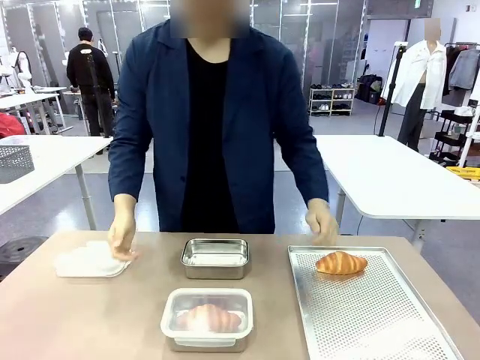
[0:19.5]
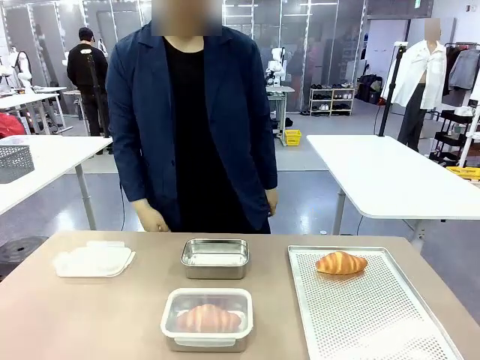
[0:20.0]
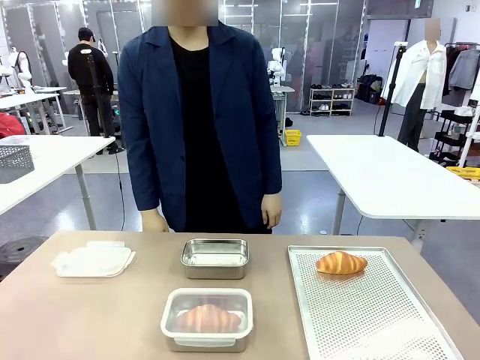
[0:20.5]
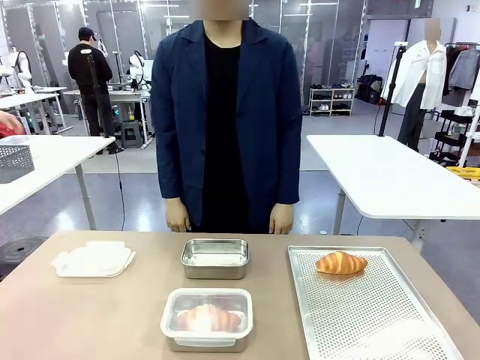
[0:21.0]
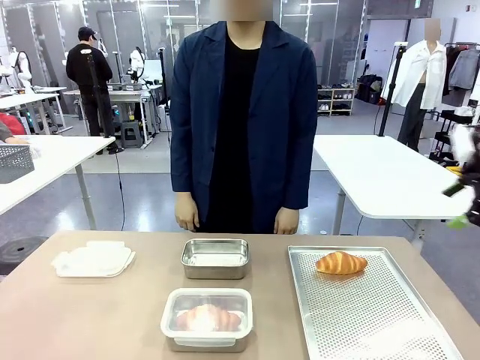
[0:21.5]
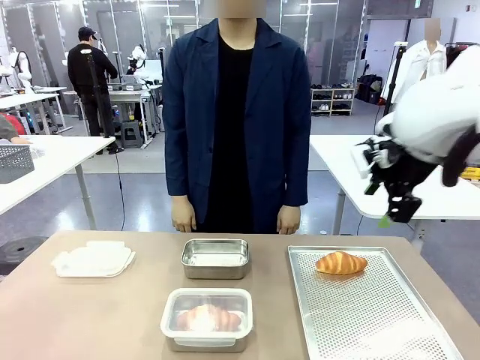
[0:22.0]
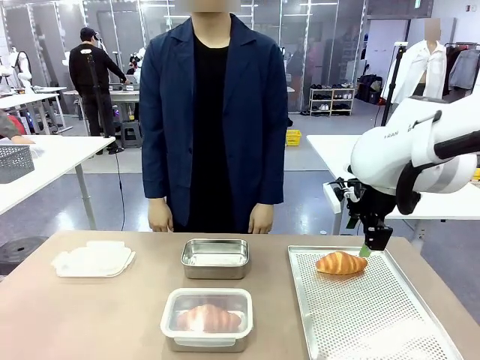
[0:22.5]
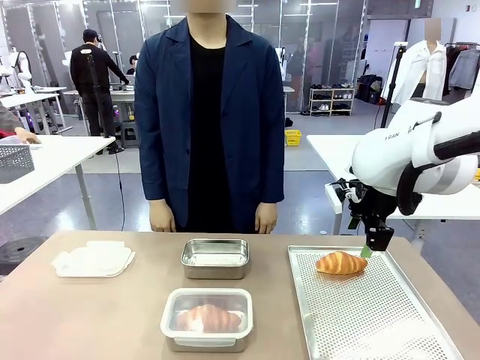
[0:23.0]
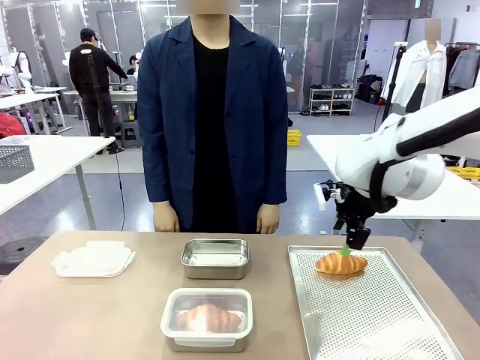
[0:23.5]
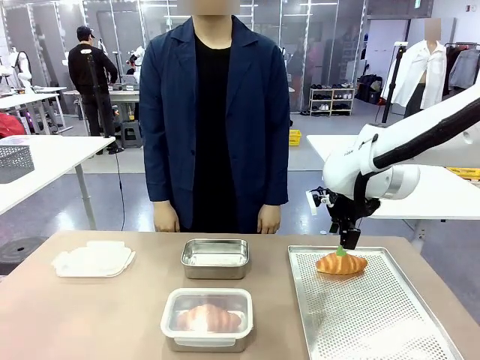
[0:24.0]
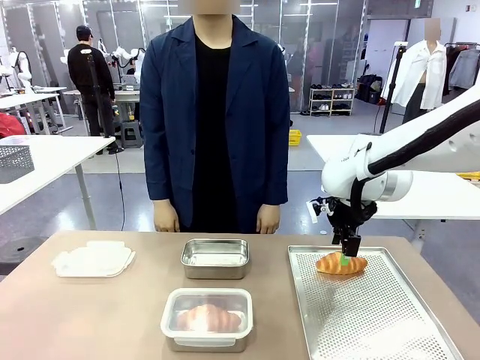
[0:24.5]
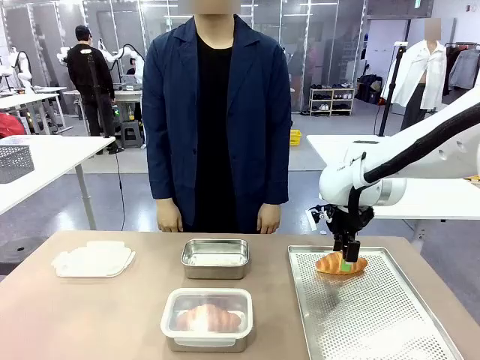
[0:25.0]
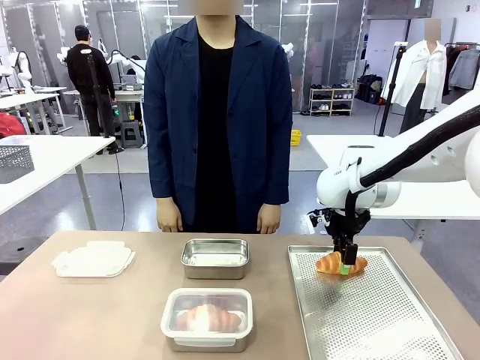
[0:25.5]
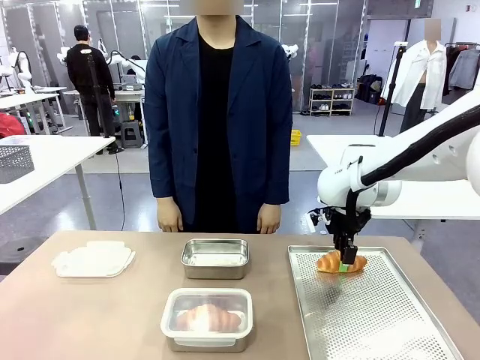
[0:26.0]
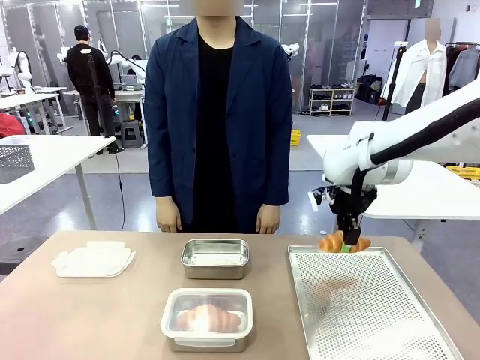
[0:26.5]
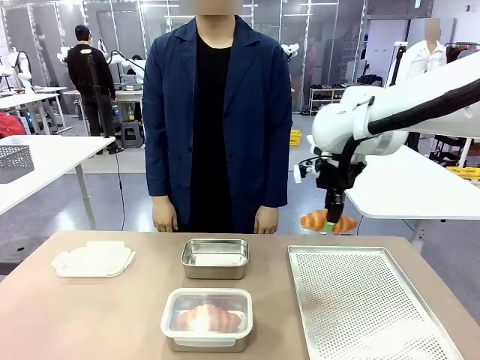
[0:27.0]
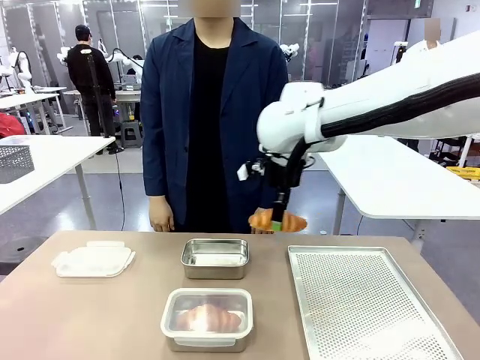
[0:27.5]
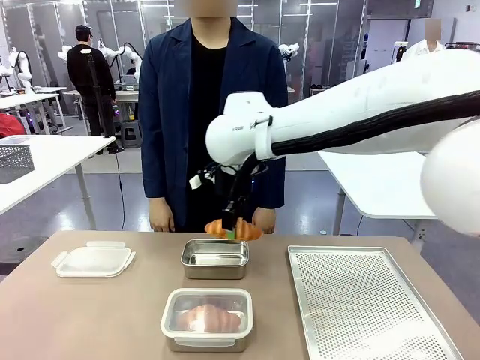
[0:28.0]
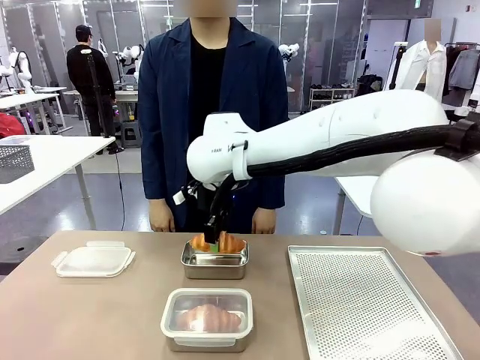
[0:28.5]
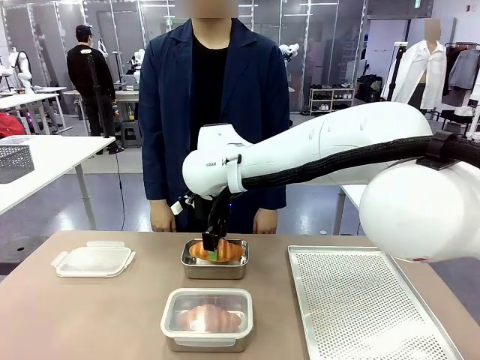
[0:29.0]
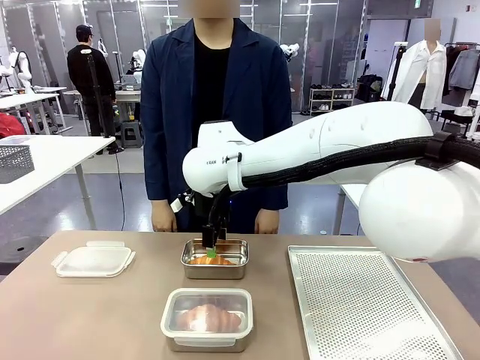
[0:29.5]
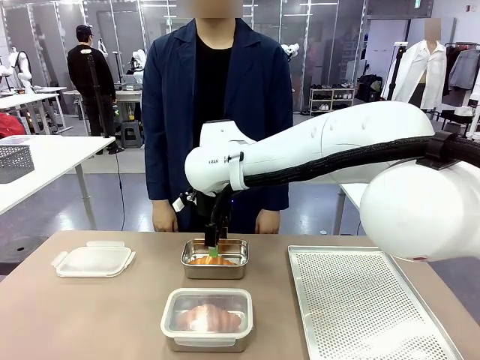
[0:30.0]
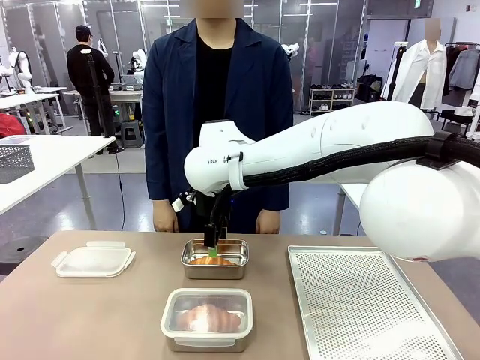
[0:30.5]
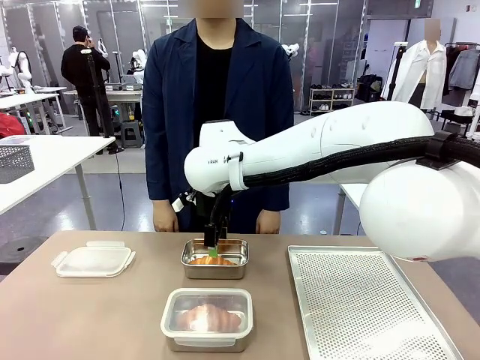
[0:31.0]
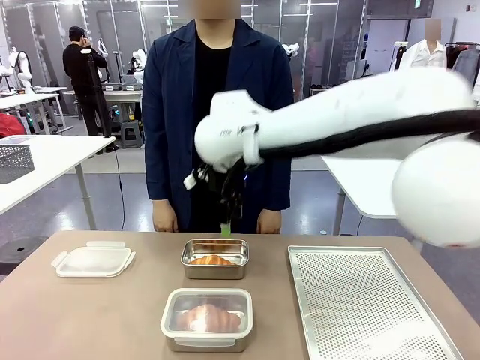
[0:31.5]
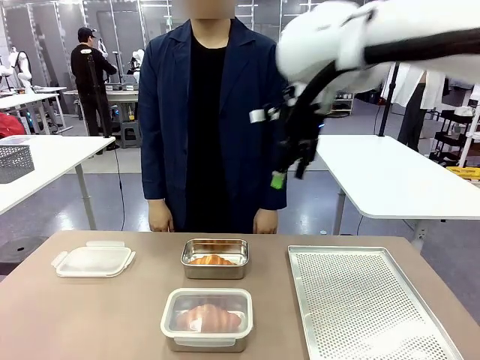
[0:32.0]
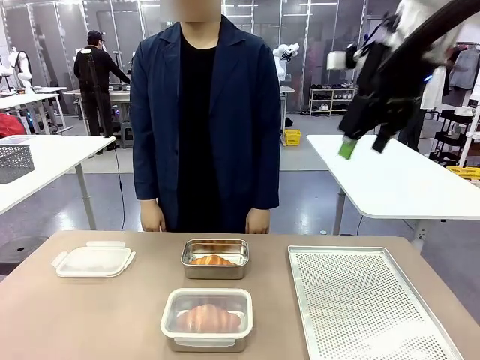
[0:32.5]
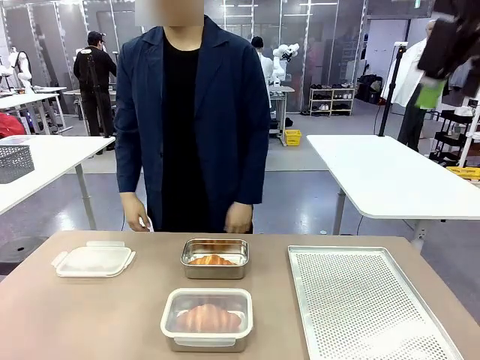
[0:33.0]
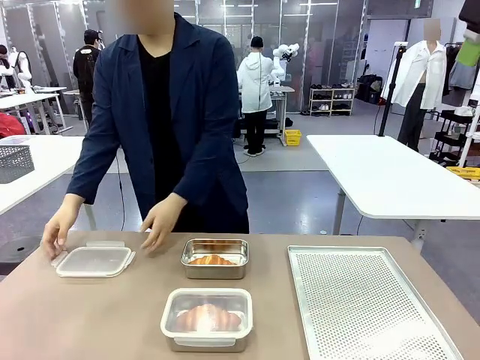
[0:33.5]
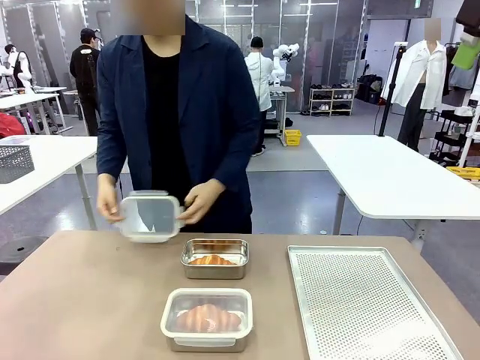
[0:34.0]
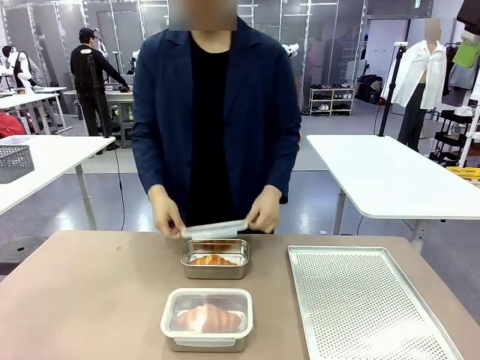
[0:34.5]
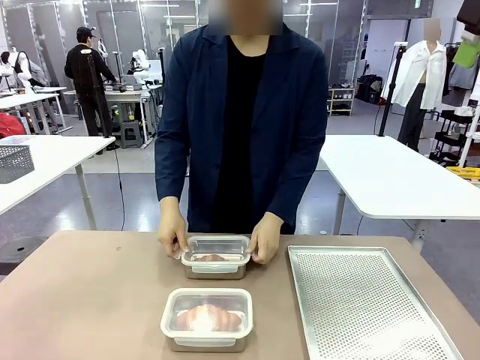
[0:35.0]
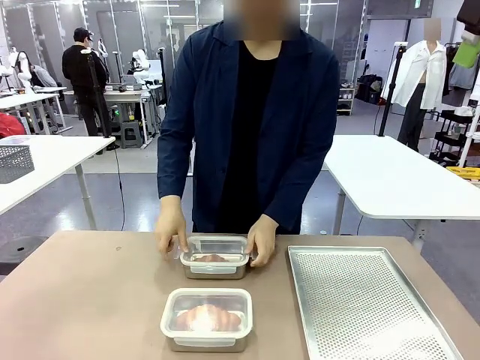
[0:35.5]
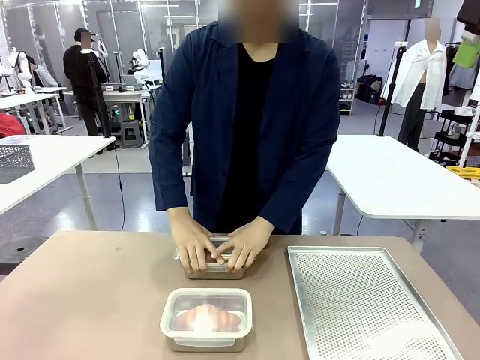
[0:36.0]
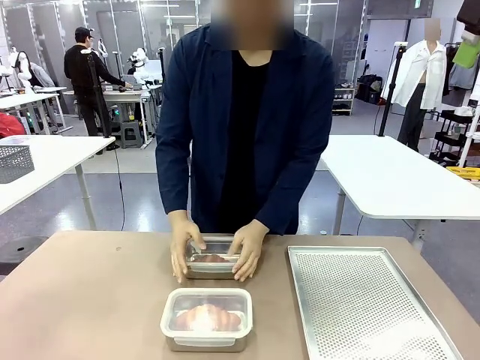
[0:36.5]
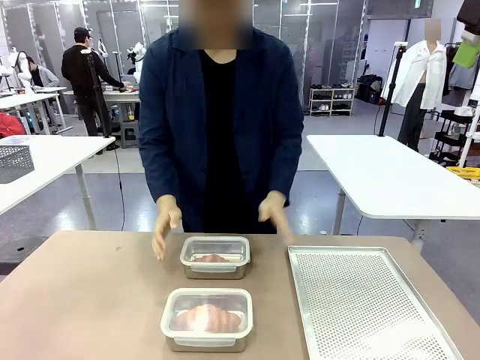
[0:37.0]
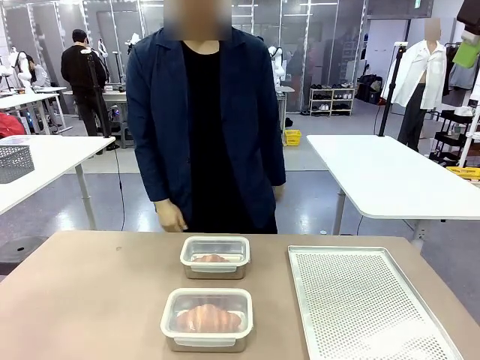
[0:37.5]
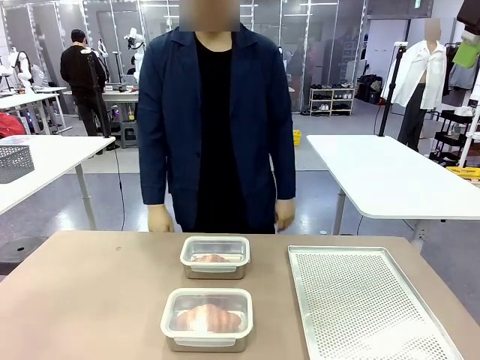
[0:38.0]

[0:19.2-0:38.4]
Task: Place the bread into the airtight container.
Robot: Pick up a Butter Roll and place it into an empty Airtight Container.
